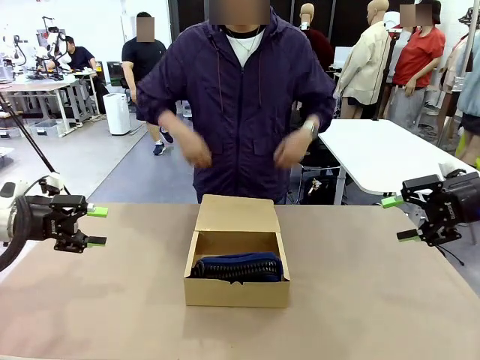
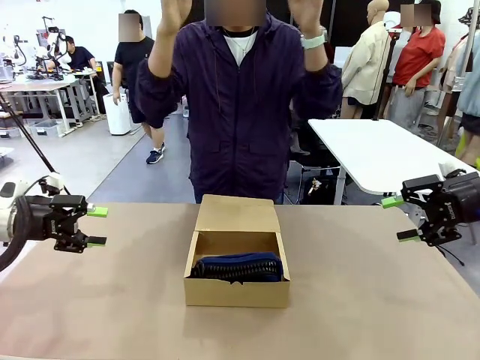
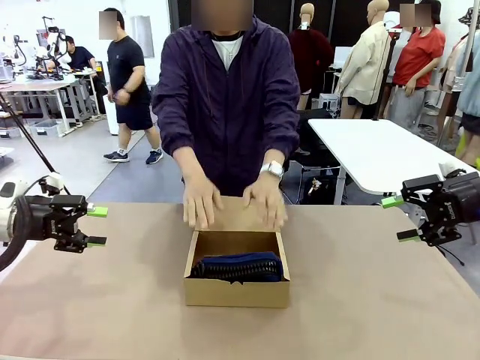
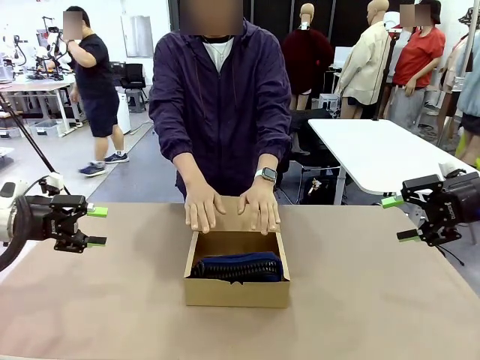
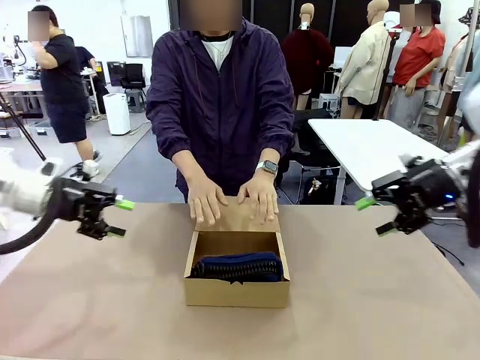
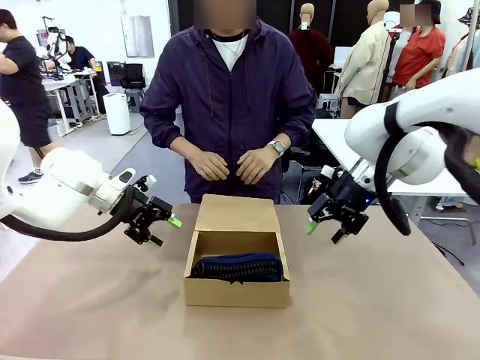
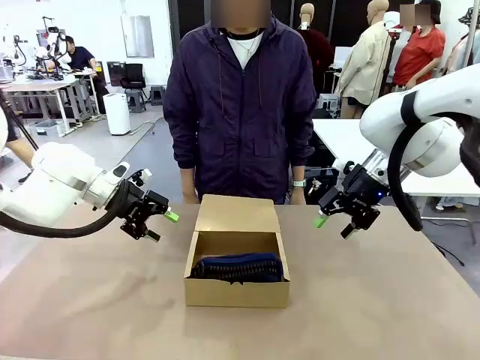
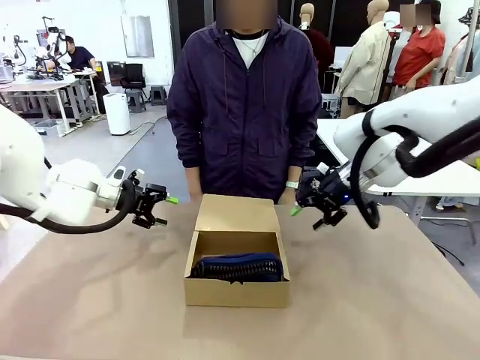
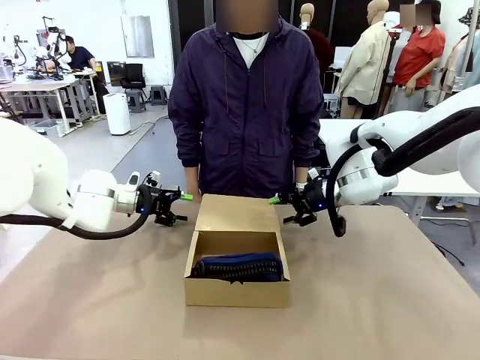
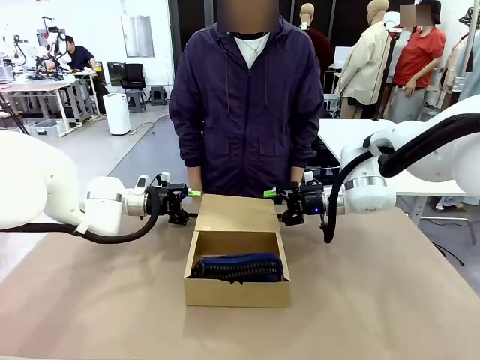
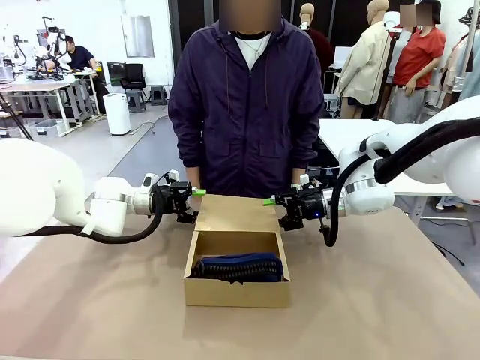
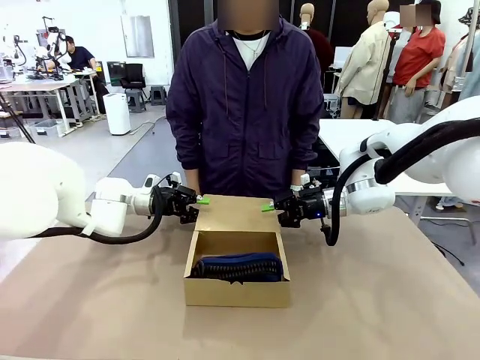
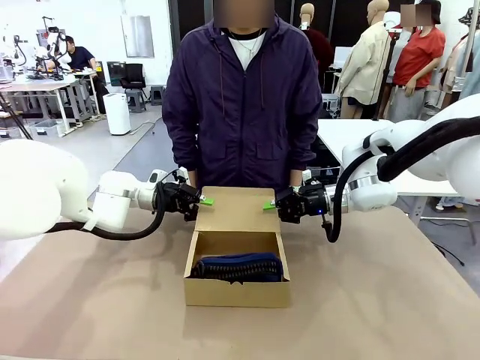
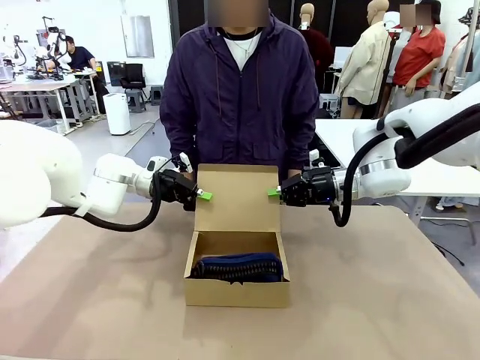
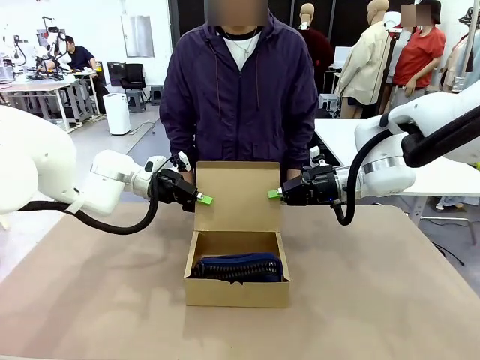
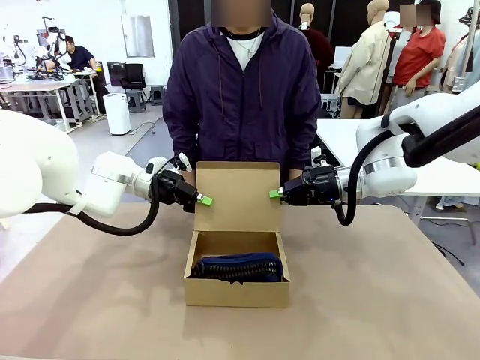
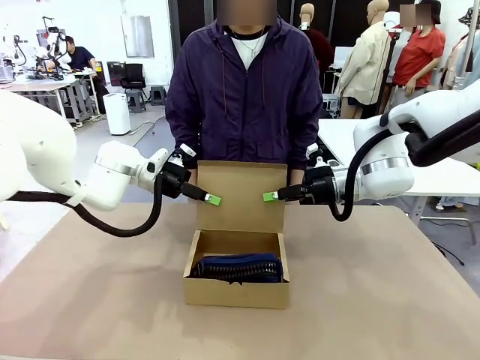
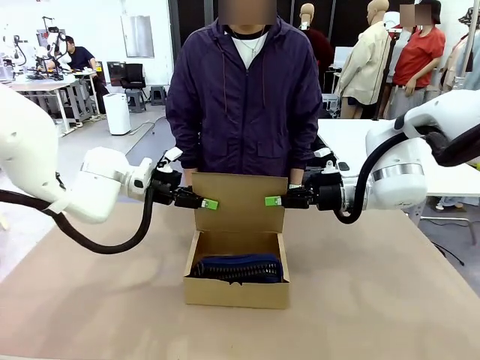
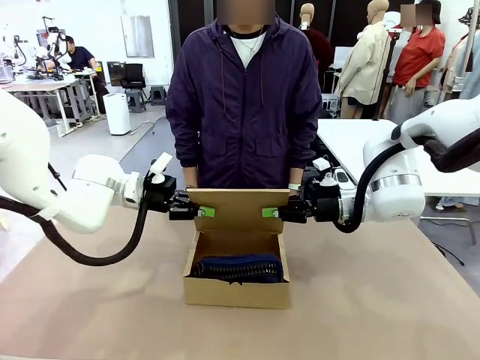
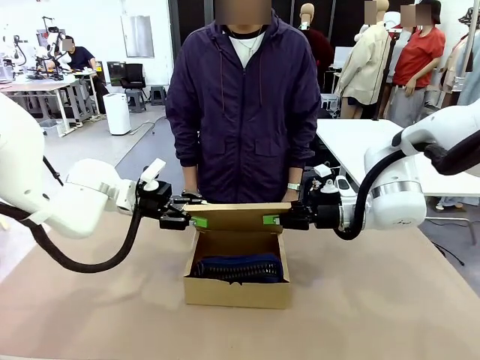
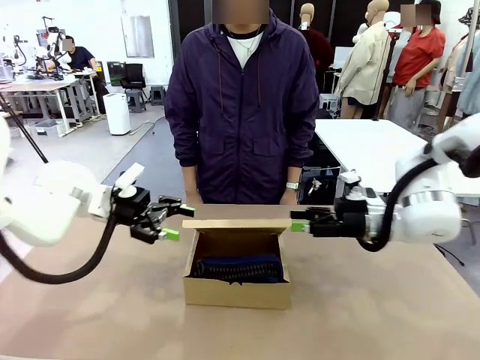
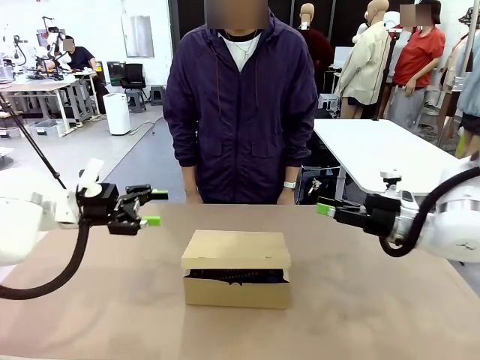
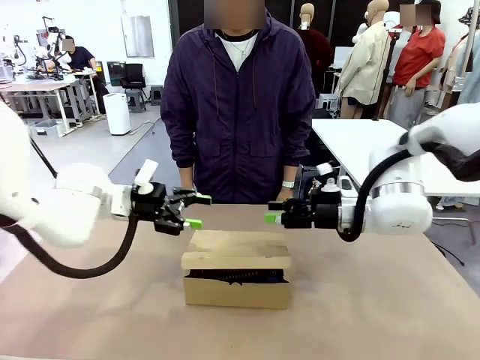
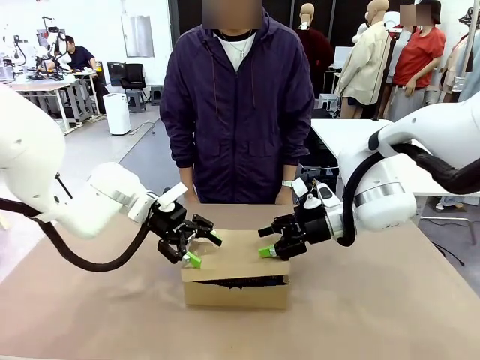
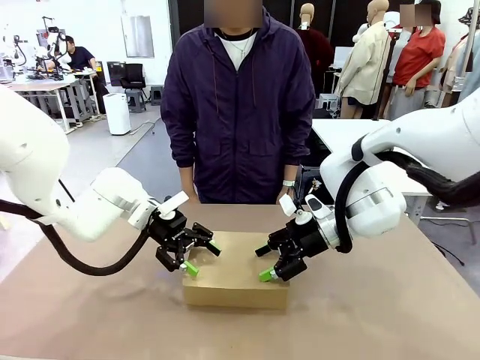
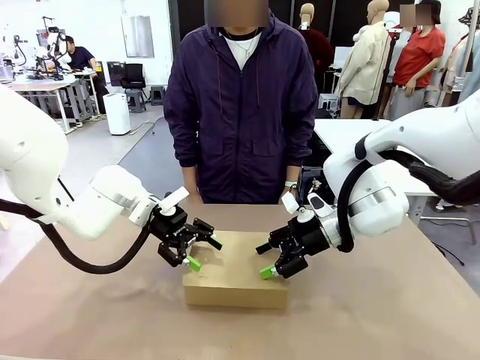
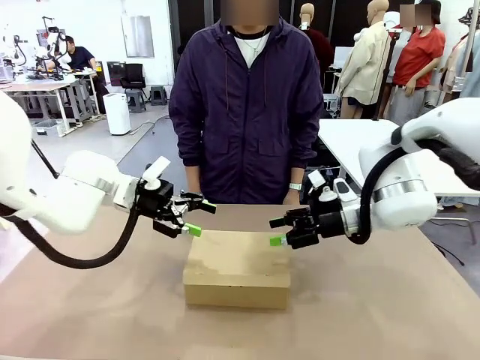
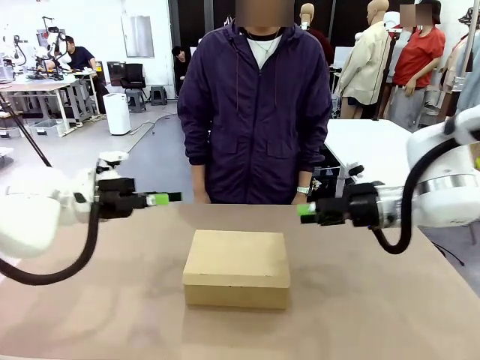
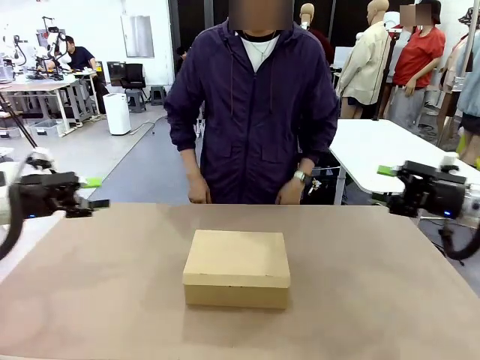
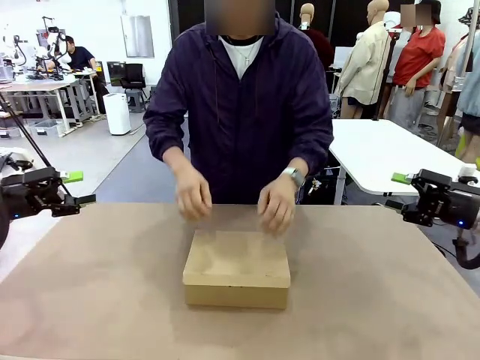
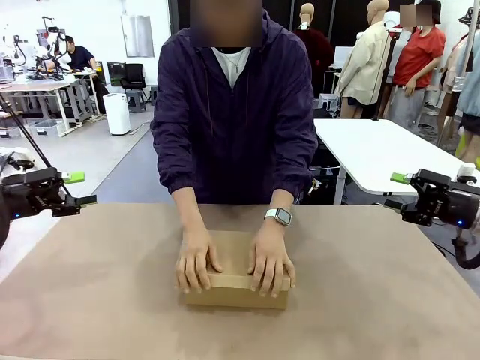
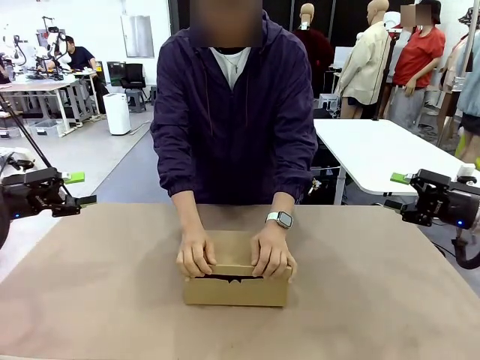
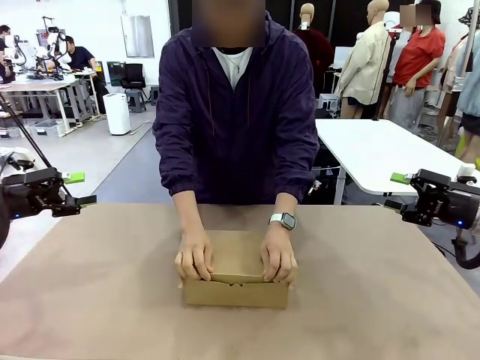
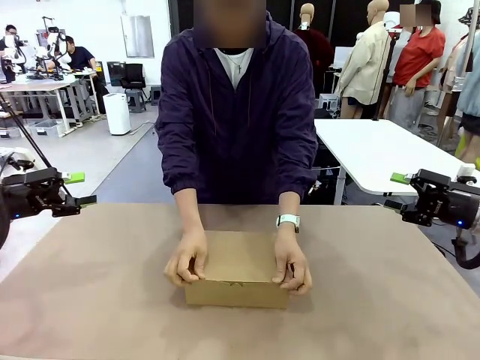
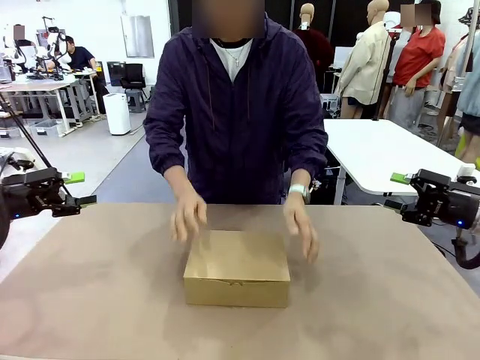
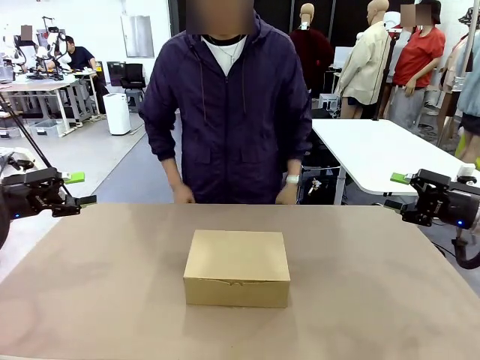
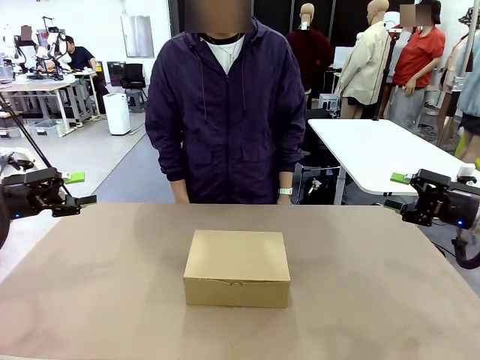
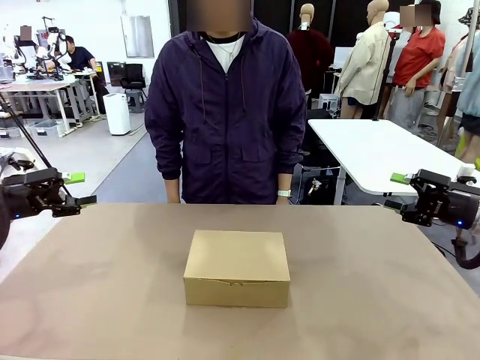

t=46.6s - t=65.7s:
Task: Pack the items into the box.
Robot: Close the Mailer Box.
Person: Turn the box and lock it.

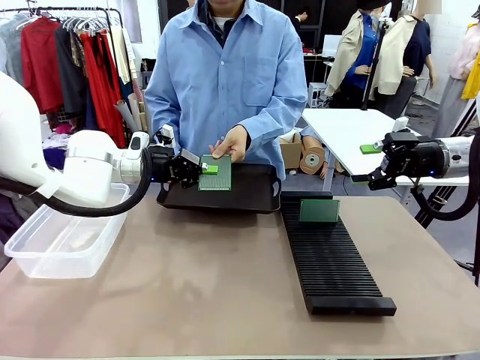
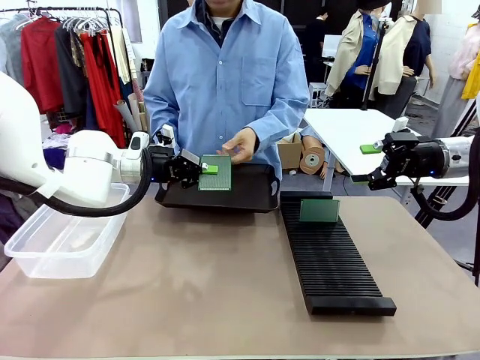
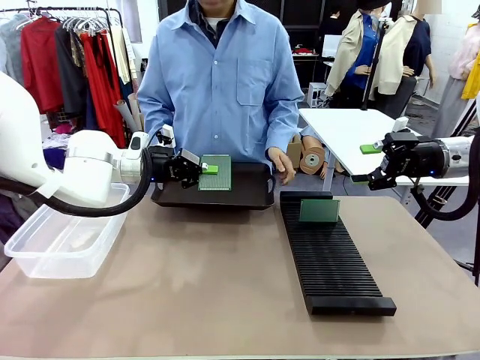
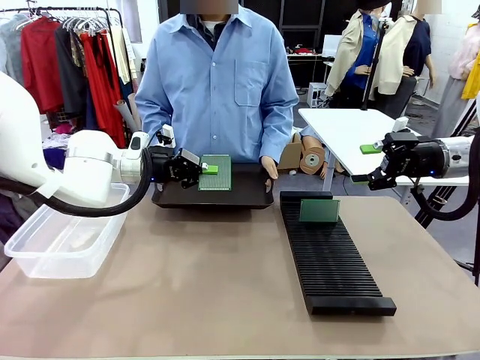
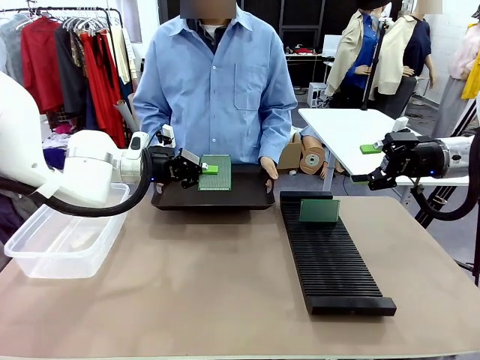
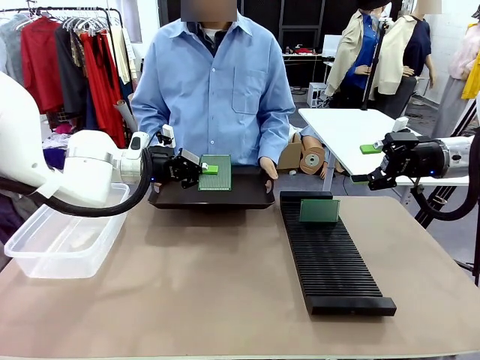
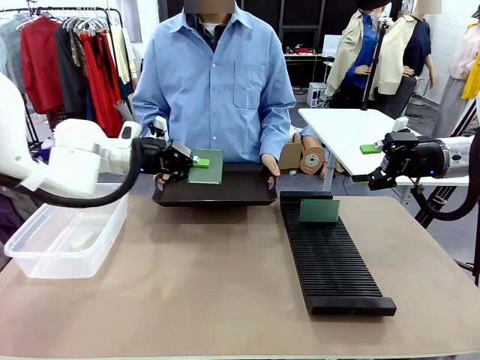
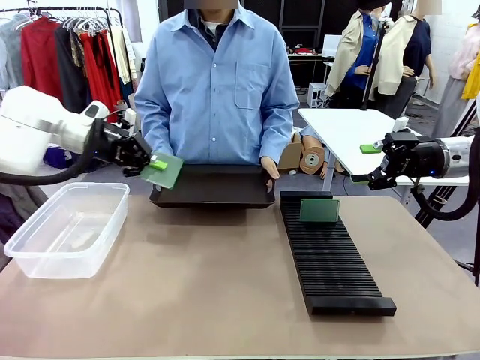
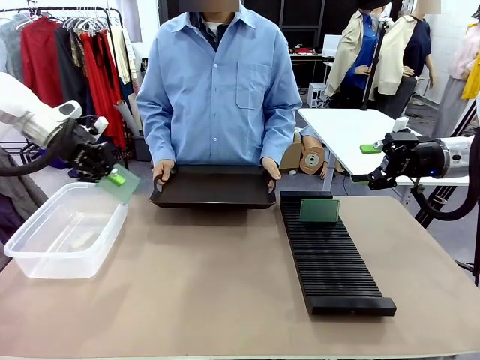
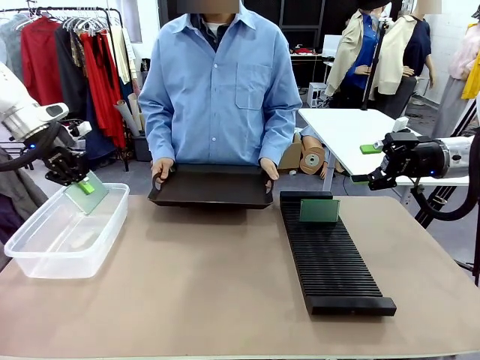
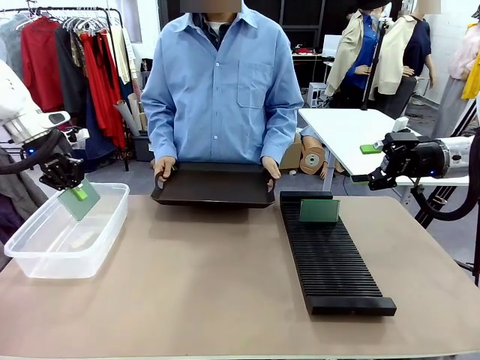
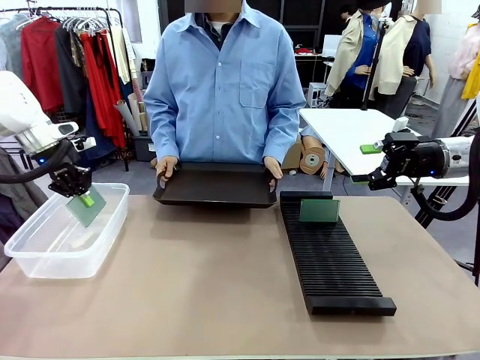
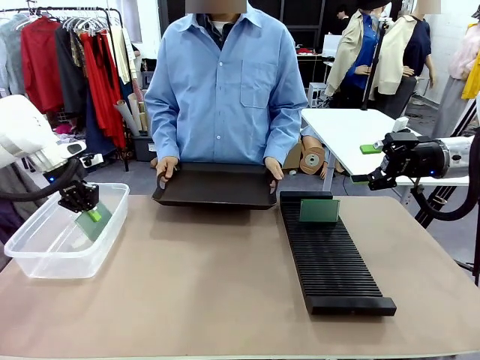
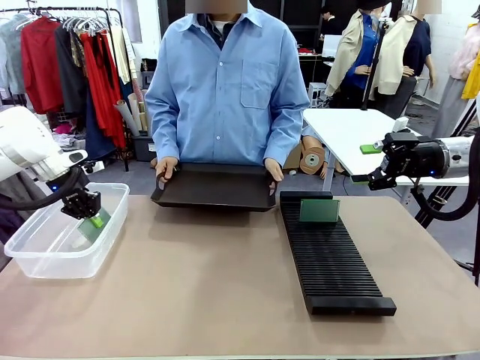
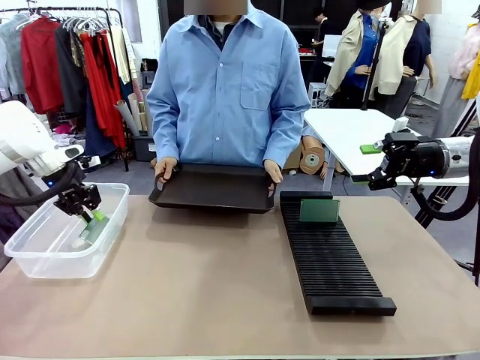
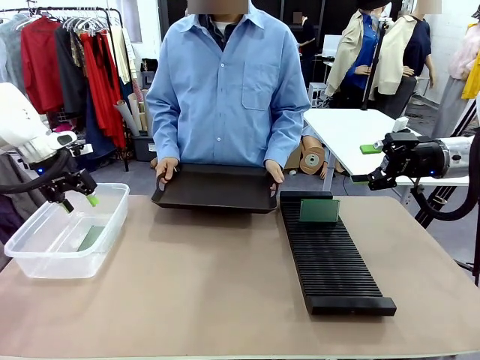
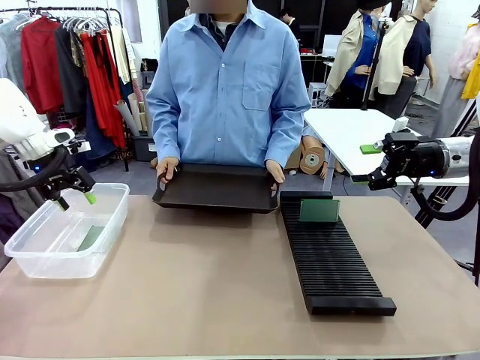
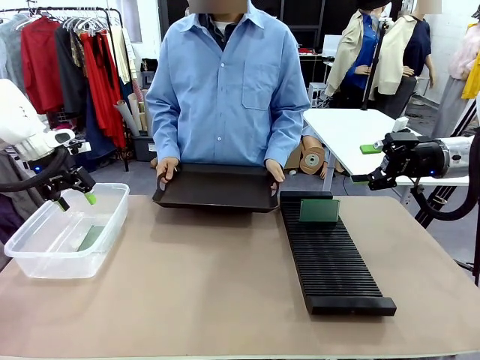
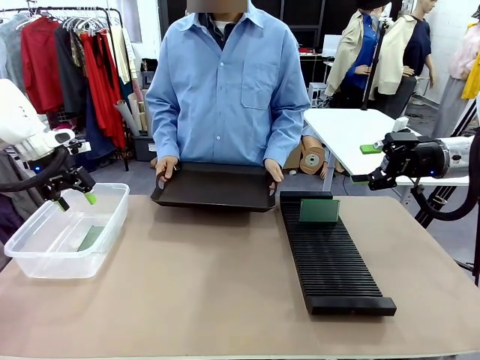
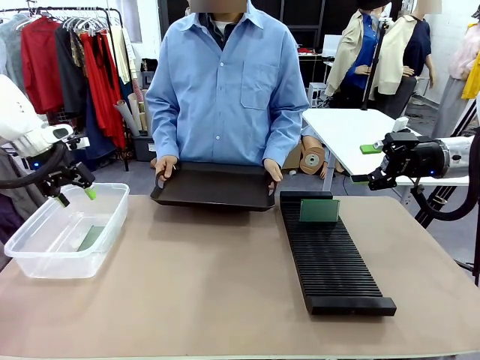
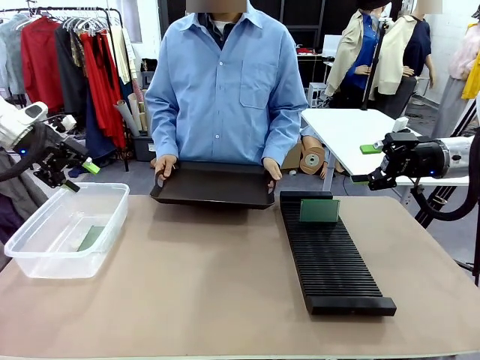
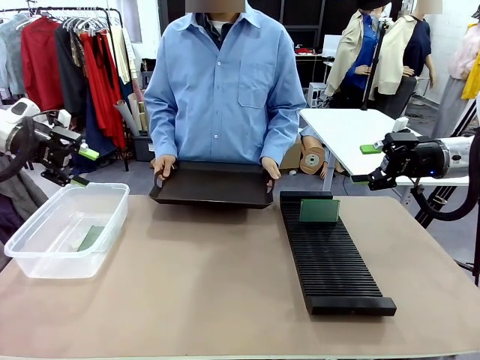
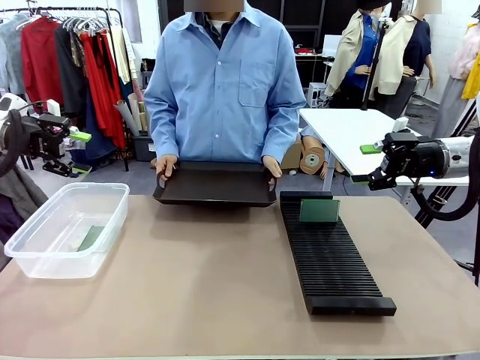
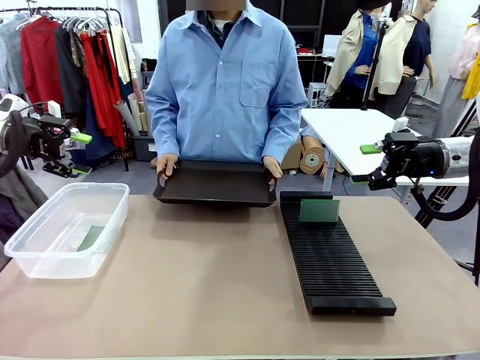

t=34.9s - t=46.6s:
Task: Sort PCBs into racks and boxes based on the side picked up.
Robot: If the short side of the Blank PCB is picked up, insert it into the PCB Rack ; if the long side is picked up, place it in the Organizing box.
Person: Release the PCB being held.
